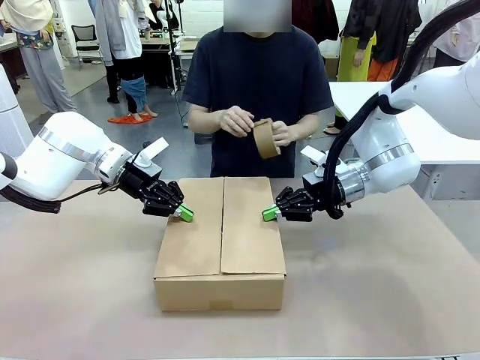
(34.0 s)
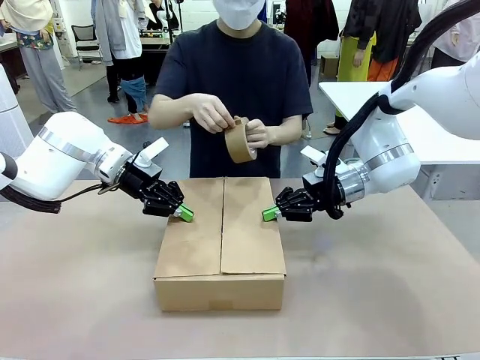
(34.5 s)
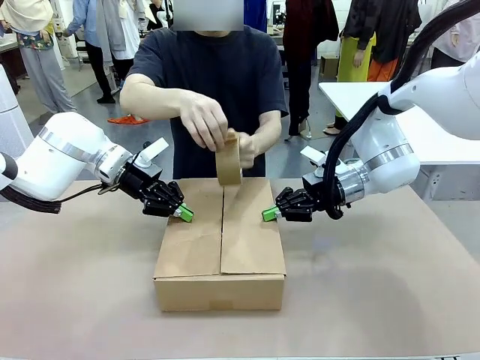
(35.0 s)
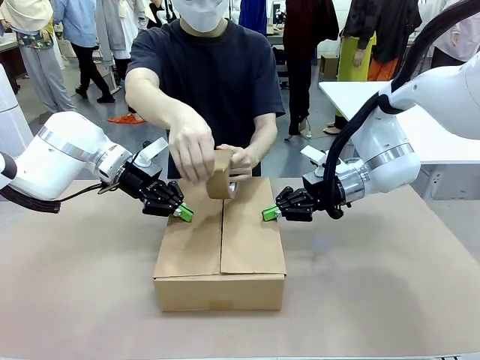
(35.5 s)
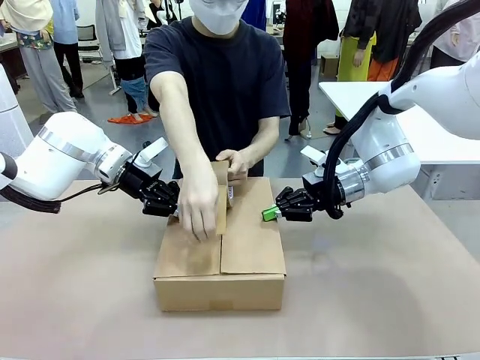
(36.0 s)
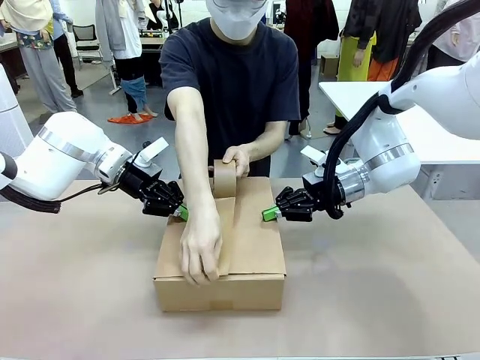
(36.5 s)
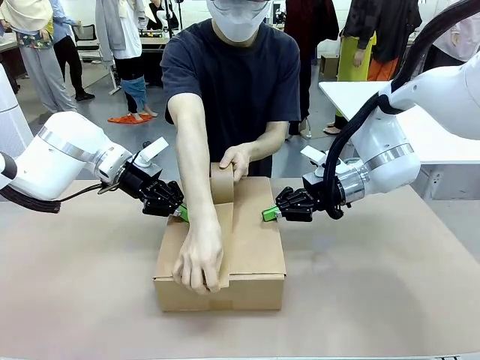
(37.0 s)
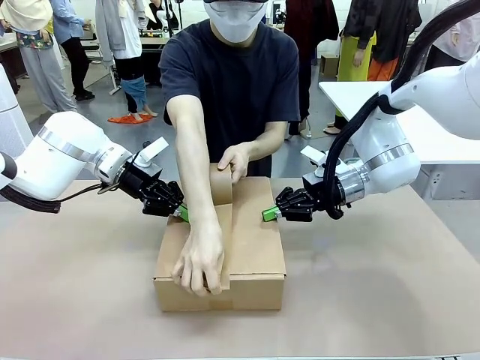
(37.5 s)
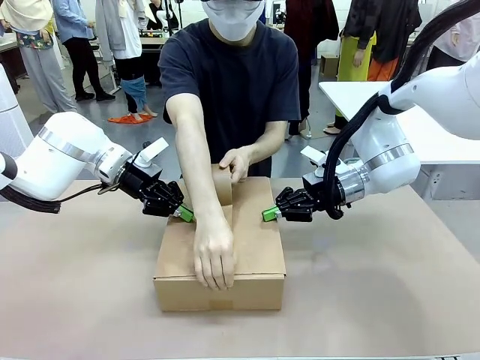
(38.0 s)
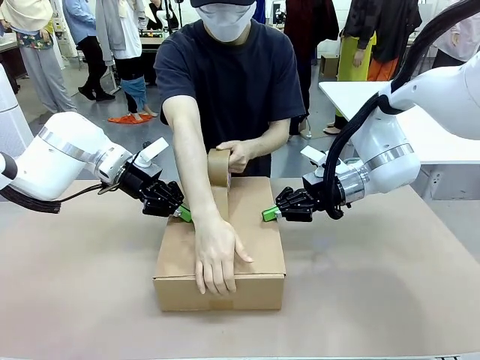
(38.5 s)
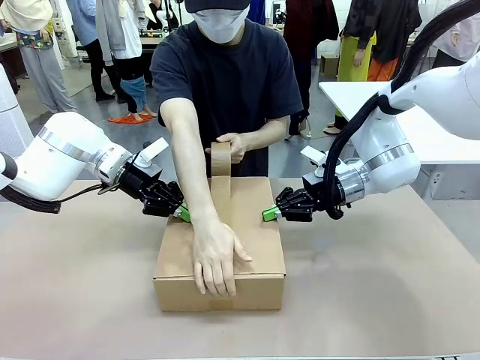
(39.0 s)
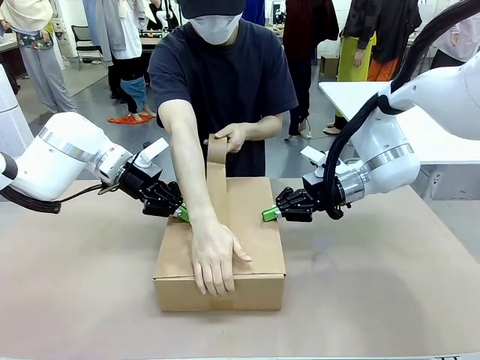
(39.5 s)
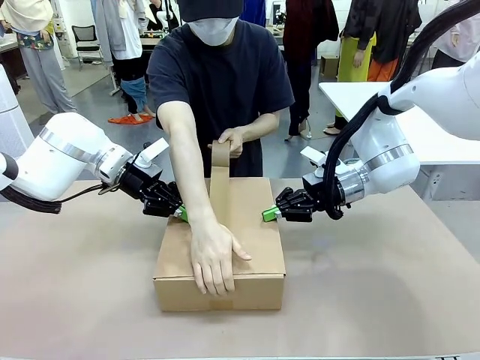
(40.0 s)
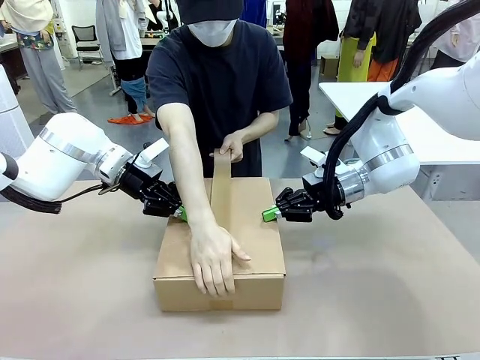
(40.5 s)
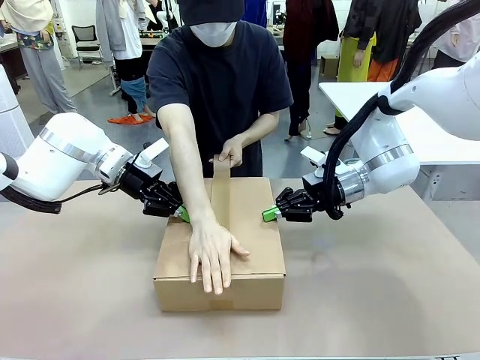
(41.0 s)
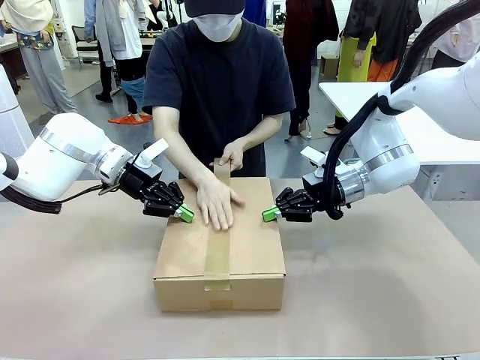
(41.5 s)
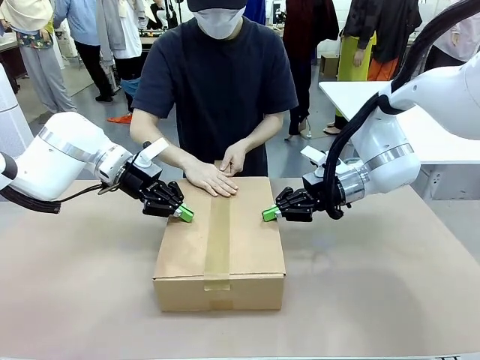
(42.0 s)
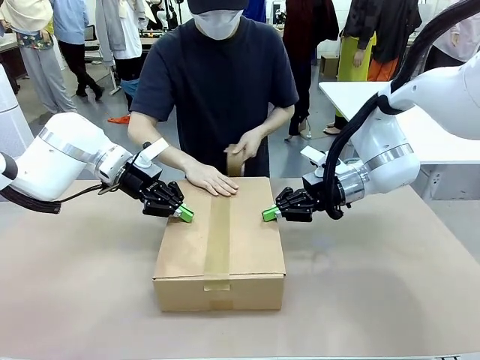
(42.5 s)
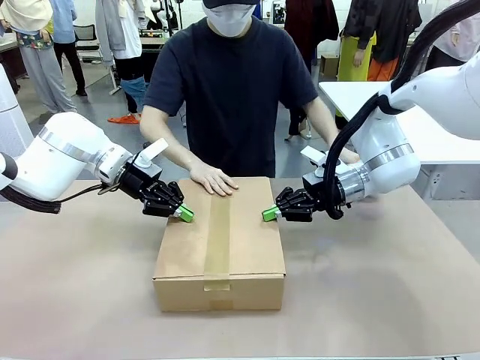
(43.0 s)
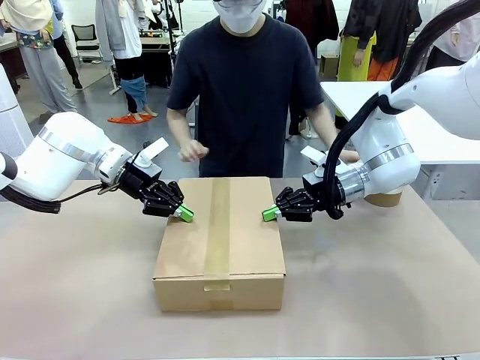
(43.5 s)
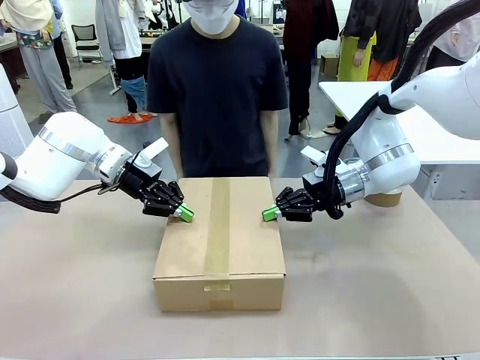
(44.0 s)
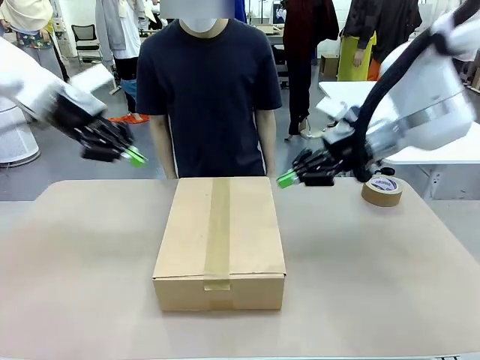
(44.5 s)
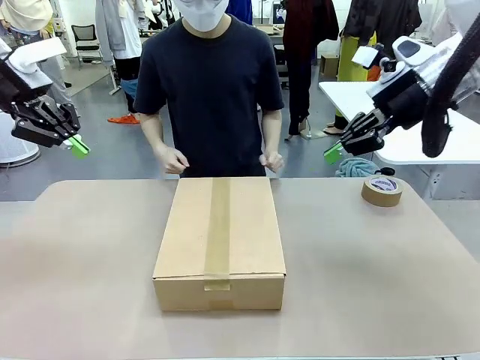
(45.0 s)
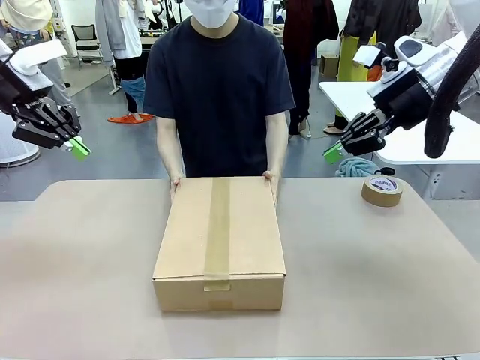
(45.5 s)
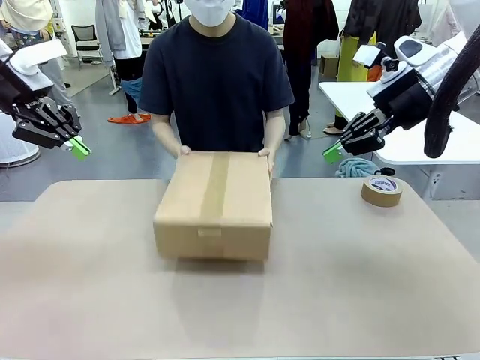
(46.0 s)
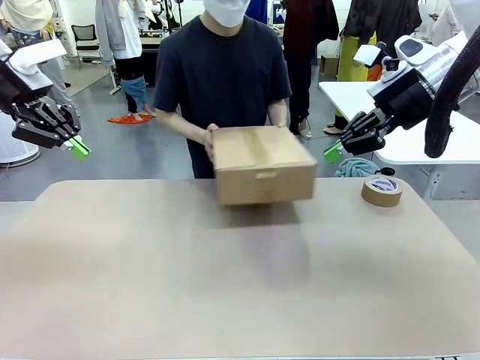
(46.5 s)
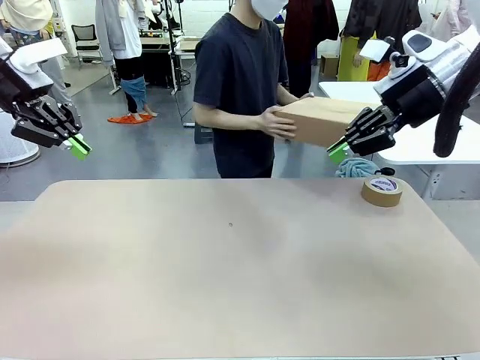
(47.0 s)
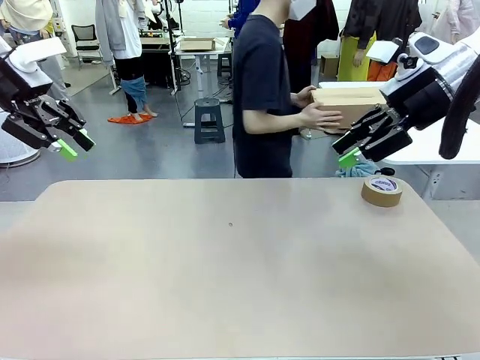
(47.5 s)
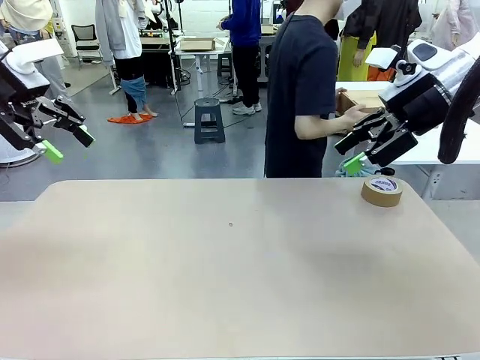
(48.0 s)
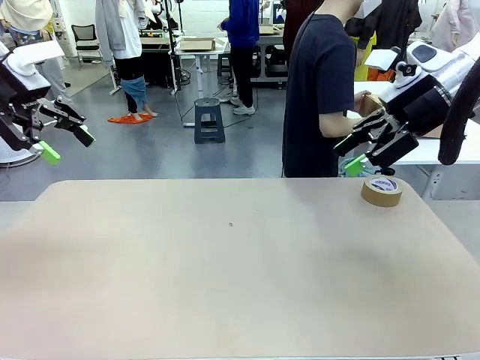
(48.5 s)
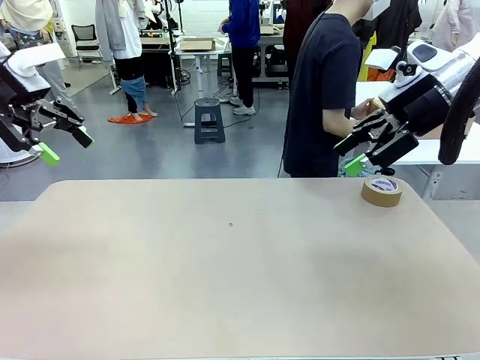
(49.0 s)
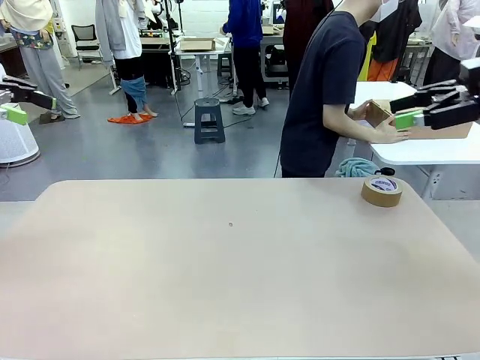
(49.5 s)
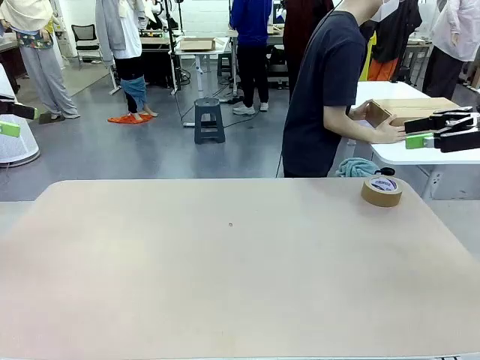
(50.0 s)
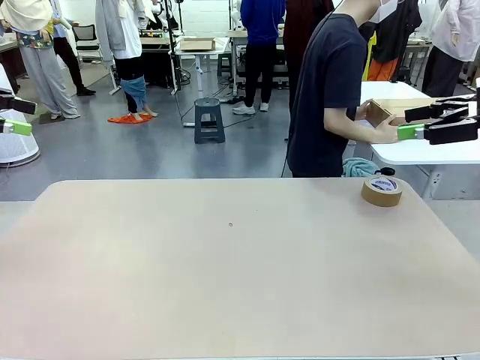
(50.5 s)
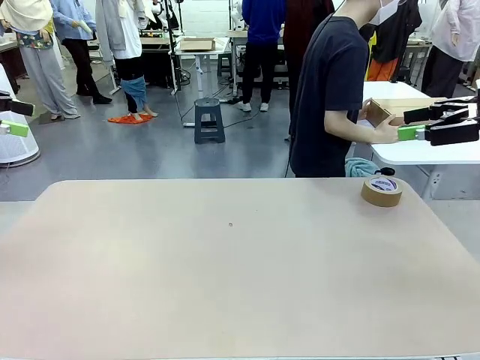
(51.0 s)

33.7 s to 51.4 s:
Task: Wrap the clocks to prevent damage.
Robot: After the human seals the box with tape, release both hands from the side flaps of the Package Box.
Person: Once the robot closes the left flap of the Package Box , seal the box with Paper Tape. Place sealed Package Box in the middle of the human's table.

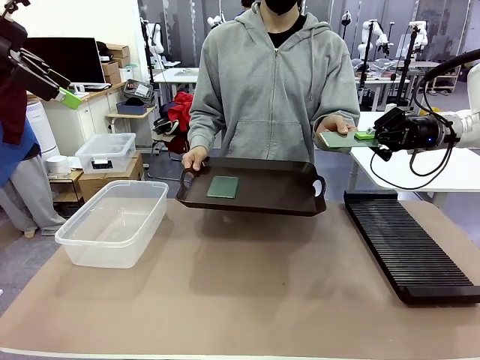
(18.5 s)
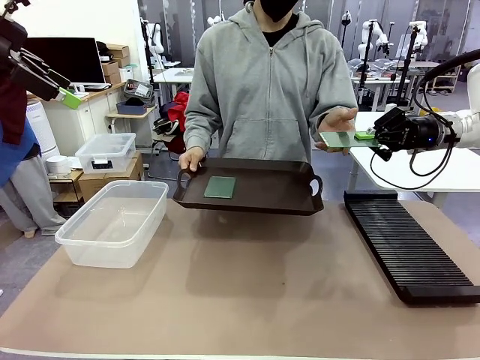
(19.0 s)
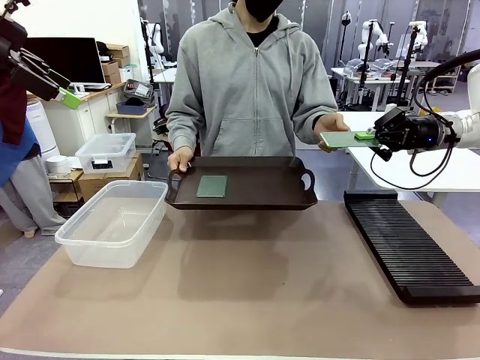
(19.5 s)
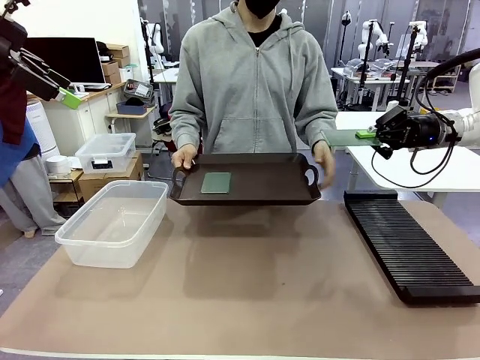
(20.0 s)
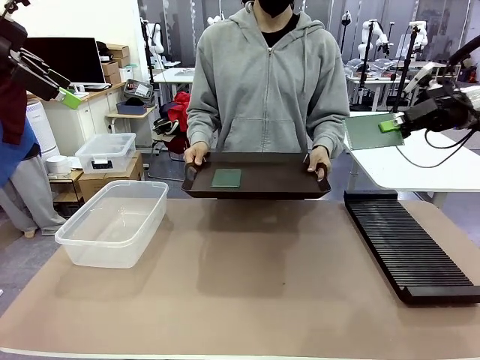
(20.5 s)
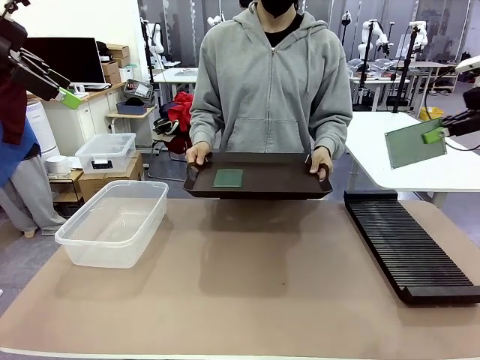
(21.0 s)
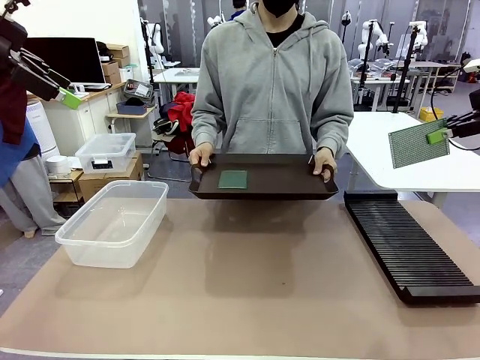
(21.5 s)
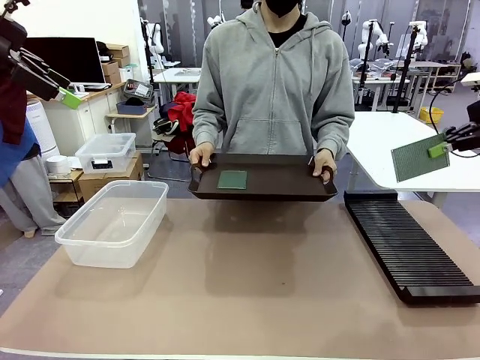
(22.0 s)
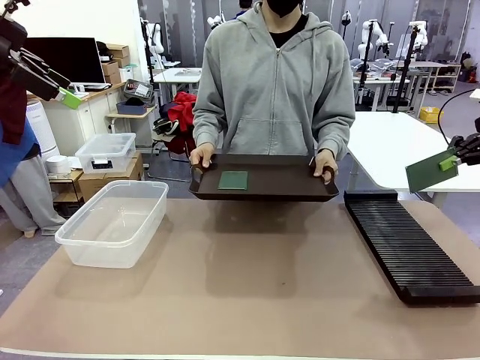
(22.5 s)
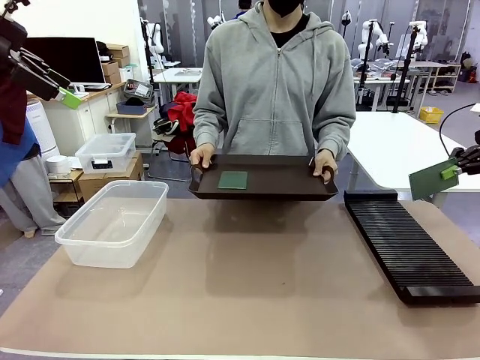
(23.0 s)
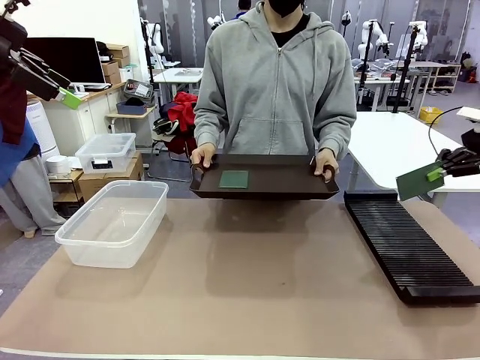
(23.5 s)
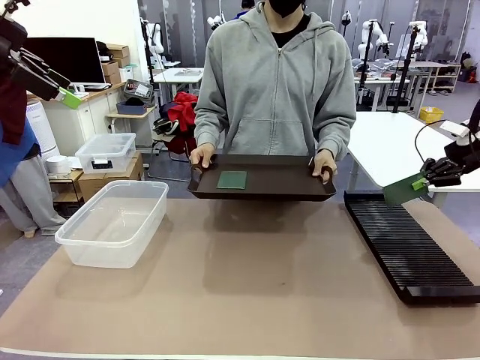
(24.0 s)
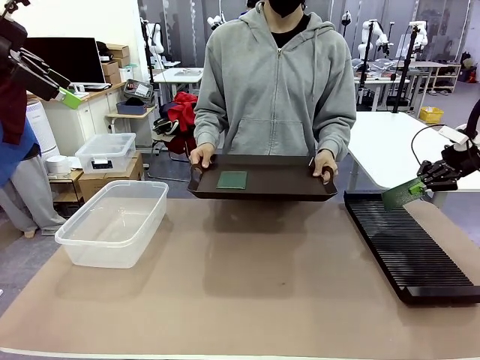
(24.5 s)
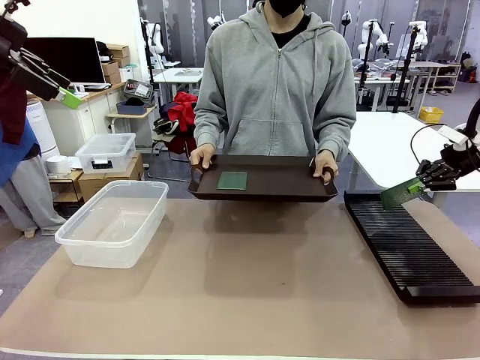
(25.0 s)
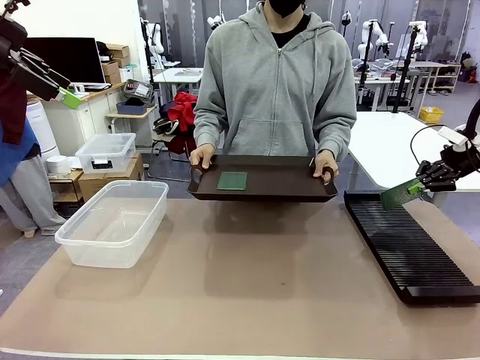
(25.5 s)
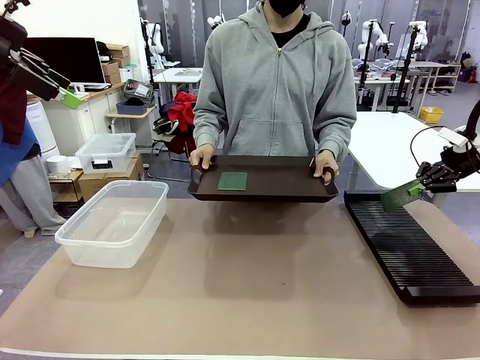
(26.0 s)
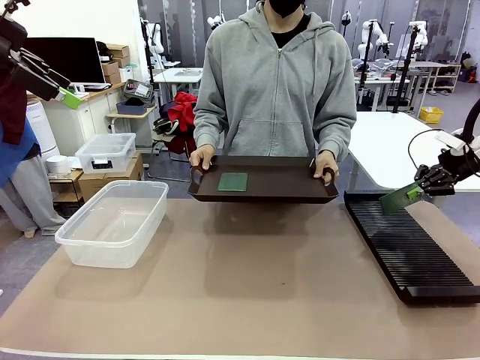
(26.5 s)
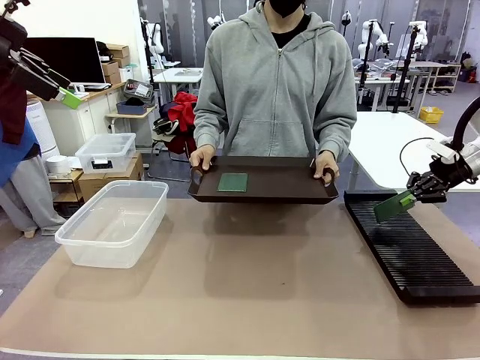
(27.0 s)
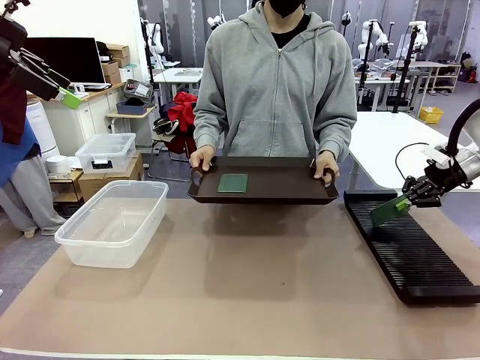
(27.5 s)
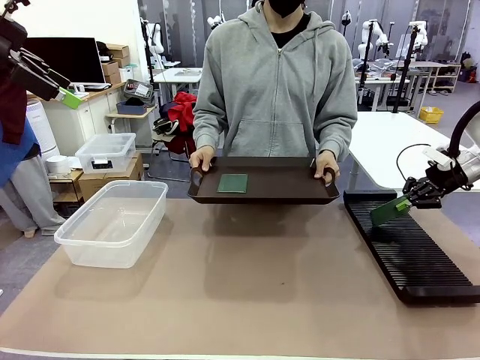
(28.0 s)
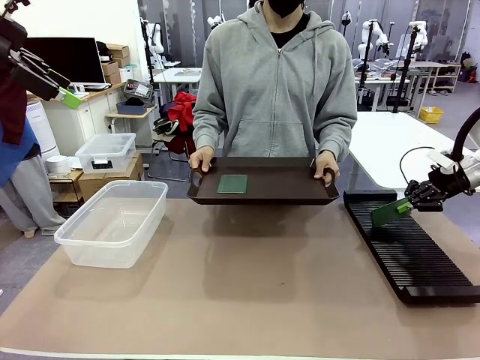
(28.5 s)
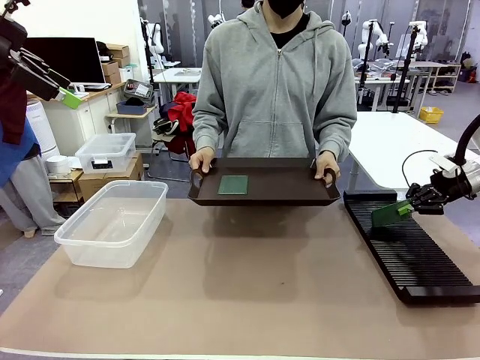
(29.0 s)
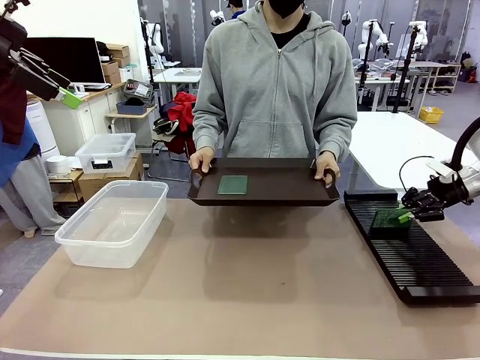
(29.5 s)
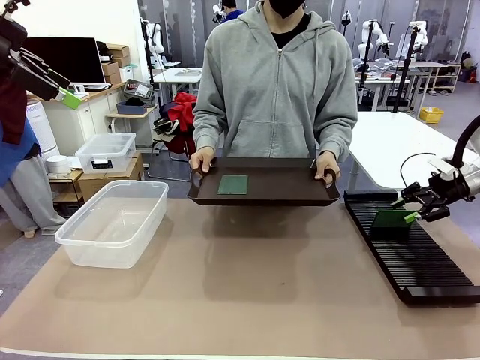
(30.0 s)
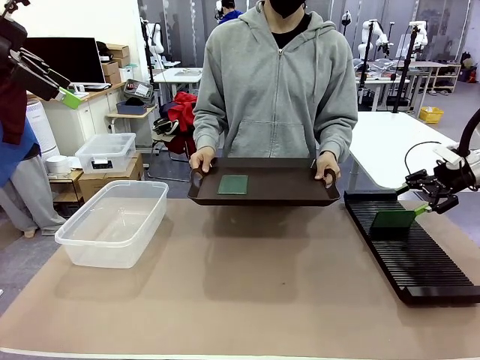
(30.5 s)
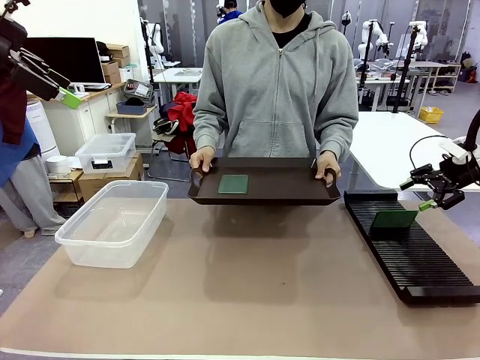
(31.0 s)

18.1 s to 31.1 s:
Task: Sort PCBs into racks and boxes based on the side picked up.
Robot: If the short side of the Blank PCB is picked up, insert it into the PCB Rack ; if the long side is picked up, place it in the Organizing box.
Person: Pick one PCB from the tray and present it to the robot.
